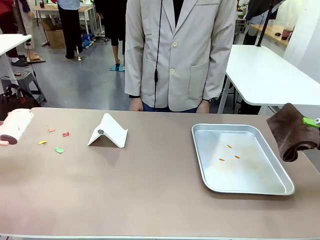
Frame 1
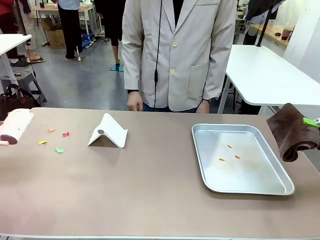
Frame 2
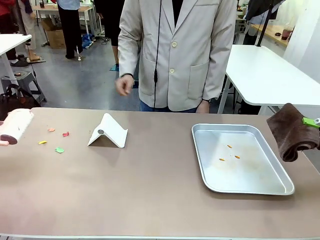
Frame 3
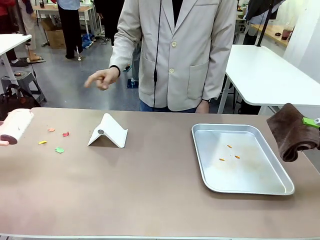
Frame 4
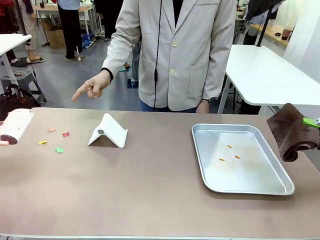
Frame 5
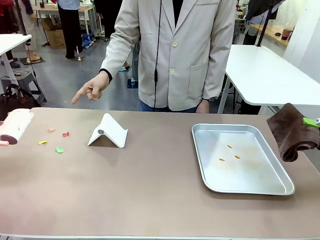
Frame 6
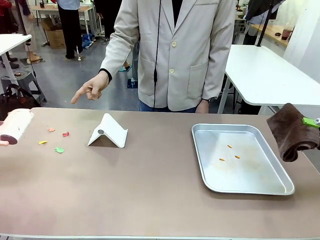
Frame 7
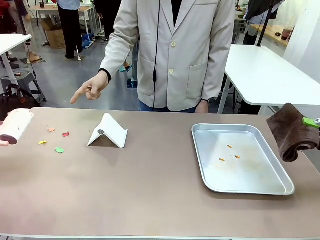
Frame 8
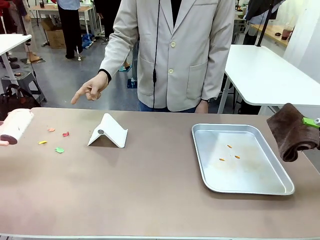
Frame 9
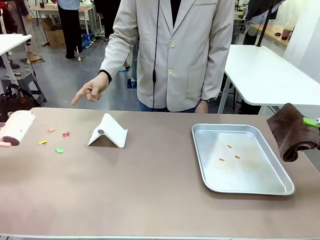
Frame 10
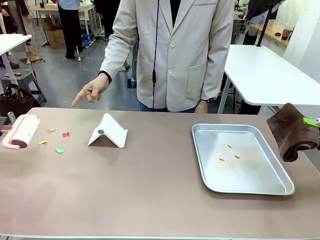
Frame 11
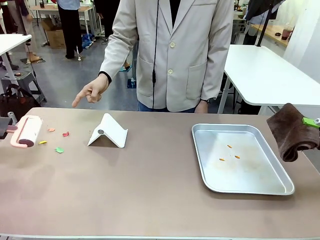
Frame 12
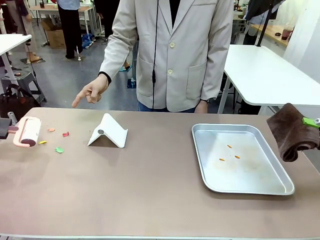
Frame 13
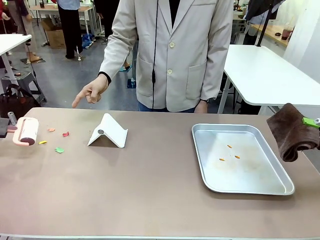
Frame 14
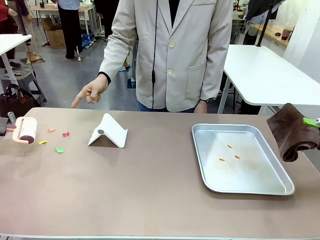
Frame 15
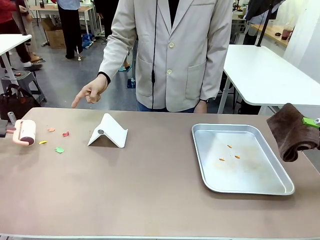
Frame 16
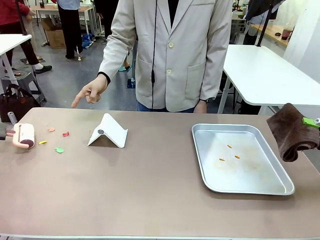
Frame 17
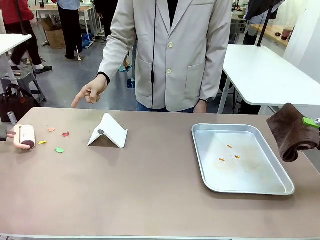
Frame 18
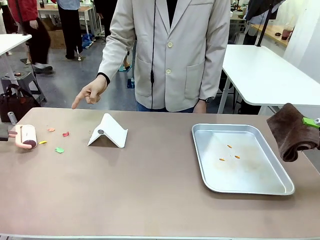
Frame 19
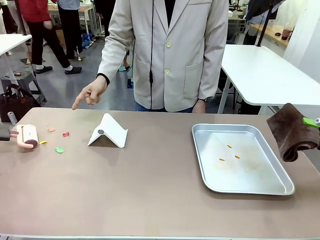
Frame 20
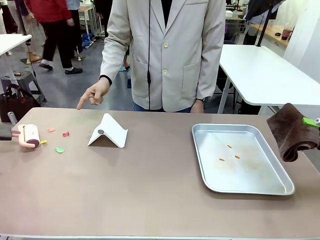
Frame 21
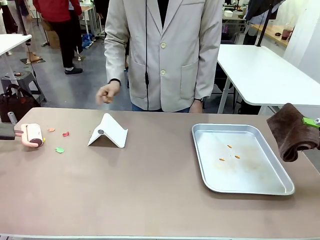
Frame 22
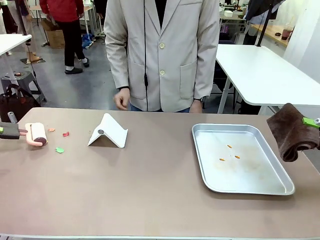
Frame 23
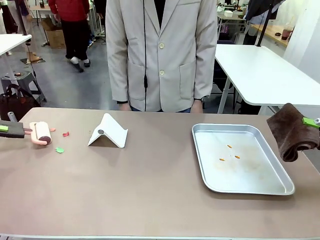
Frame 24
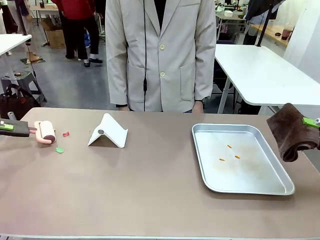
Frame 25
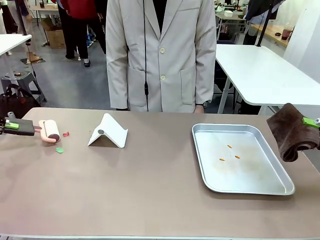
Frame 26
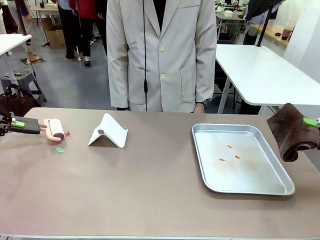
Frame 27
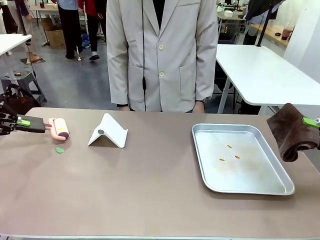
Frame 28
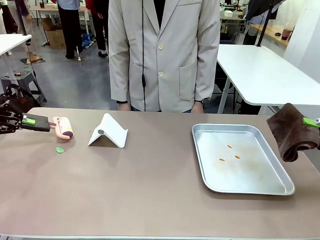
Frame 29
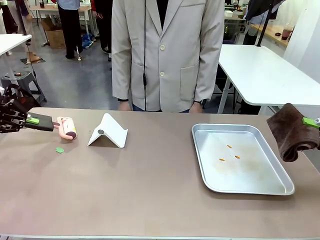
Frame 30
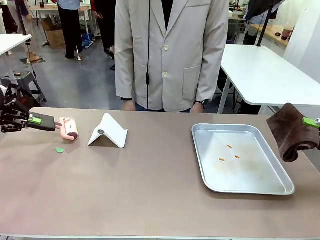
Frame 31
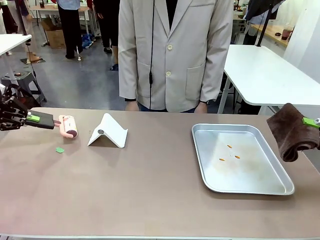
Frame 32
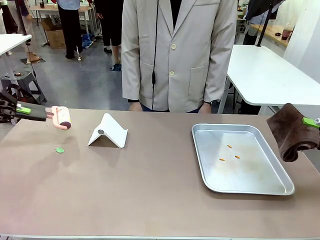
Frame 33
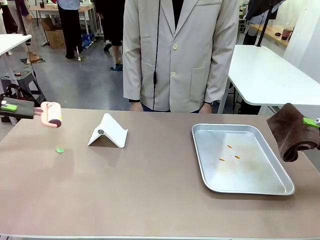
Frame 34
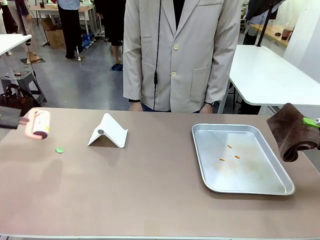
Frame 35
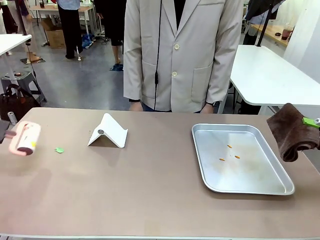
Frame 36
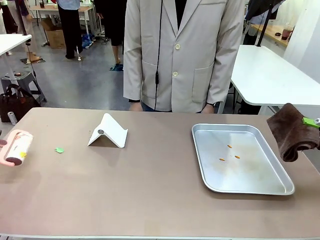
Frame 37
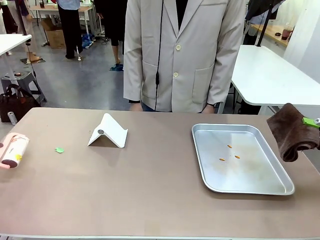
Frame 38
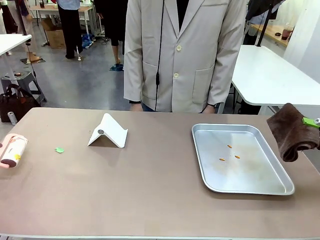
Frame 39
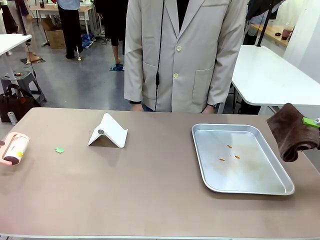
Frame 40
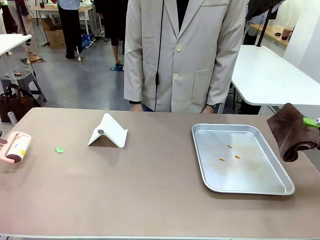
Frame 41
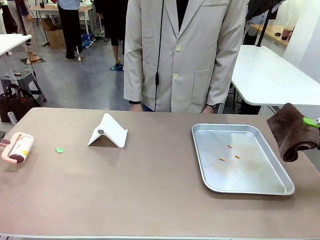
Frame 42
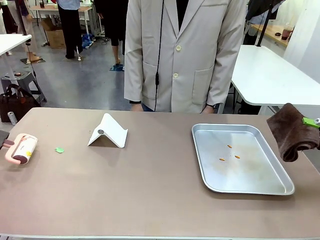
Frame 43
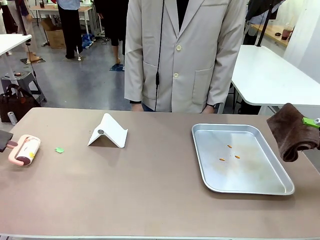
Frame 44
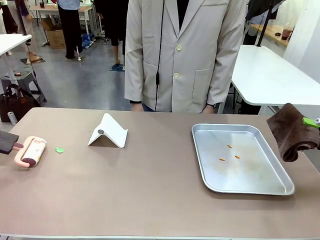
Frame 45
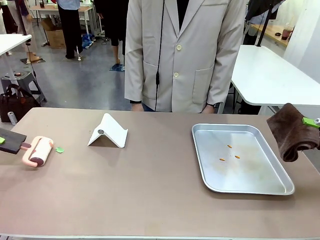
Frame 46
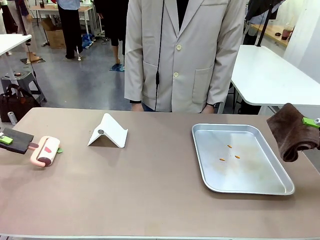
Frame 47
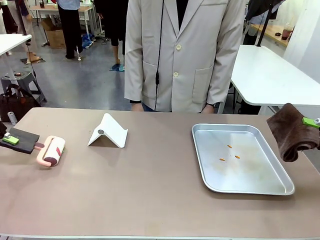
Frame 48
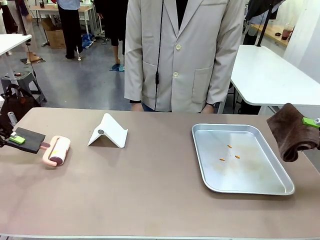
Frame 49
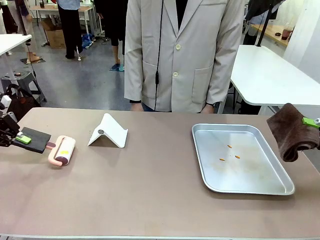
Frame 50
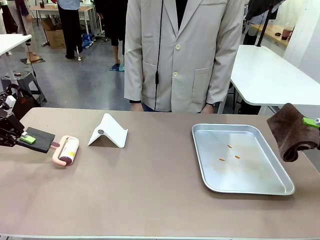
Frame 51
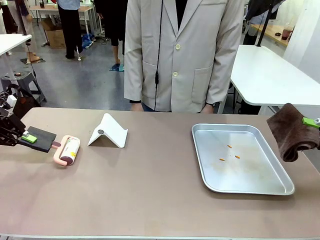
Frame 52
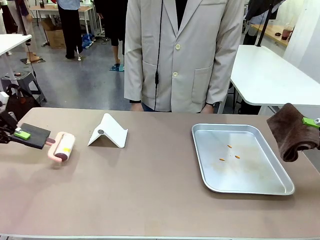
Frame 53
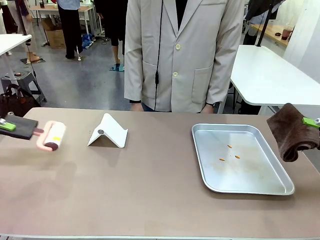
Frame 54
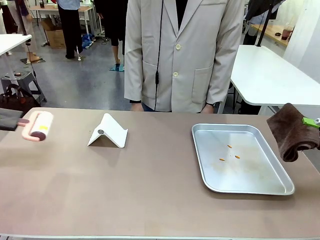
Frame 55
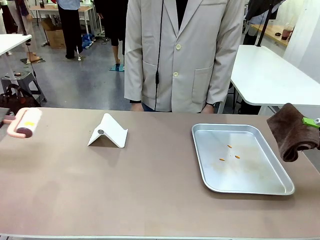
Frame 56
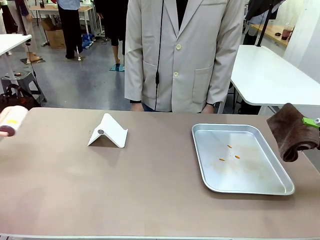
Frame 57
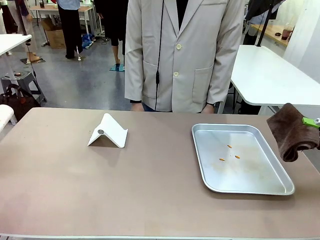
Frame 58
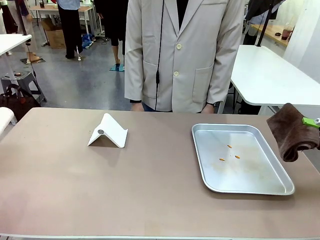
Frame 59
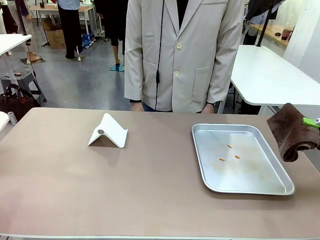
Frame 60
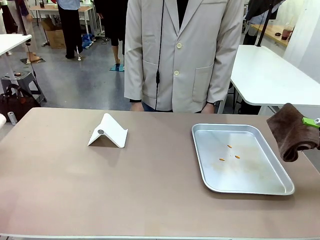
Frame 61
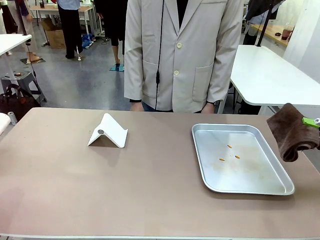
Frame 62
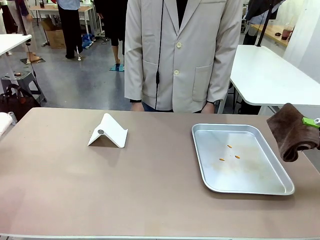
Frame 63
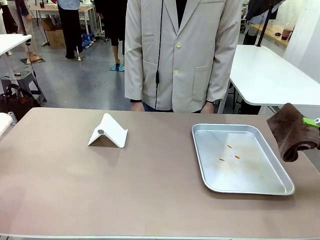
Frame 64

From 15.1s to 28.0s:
Task: Clean the surface of the table.
Robot: If a person points to the right, clean the right side of the table with your right hand, and if they point to the left, clean the left side with your left hand.

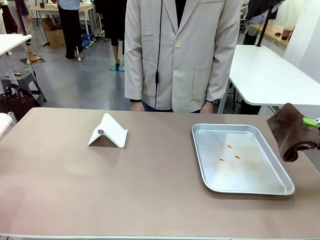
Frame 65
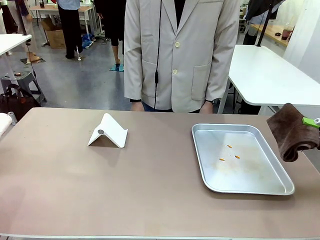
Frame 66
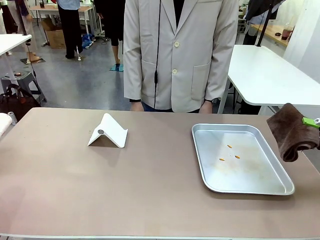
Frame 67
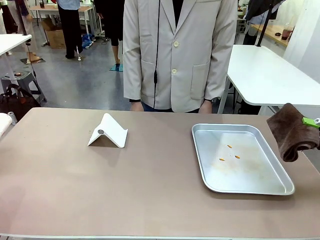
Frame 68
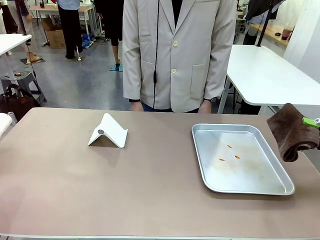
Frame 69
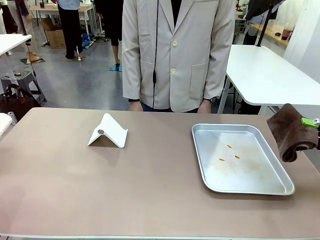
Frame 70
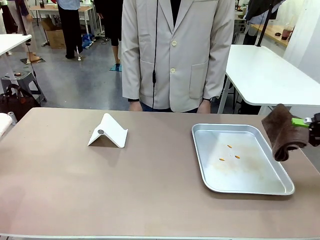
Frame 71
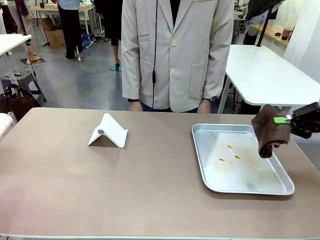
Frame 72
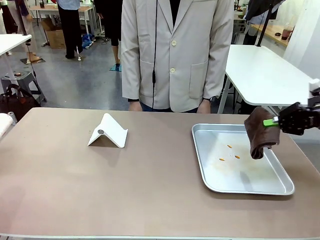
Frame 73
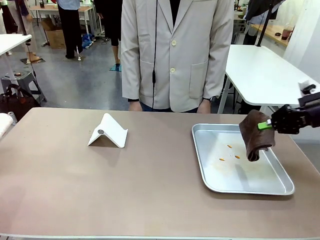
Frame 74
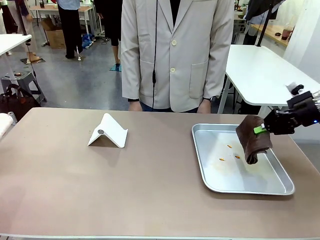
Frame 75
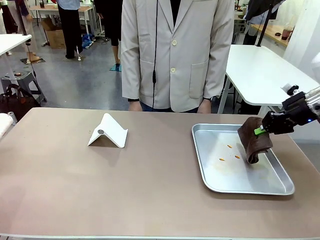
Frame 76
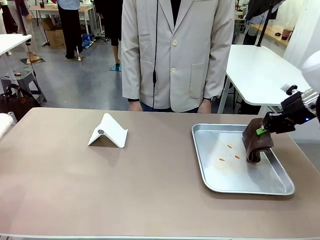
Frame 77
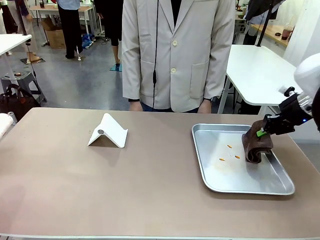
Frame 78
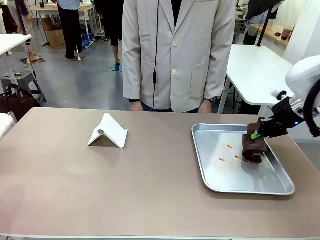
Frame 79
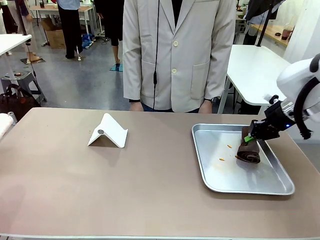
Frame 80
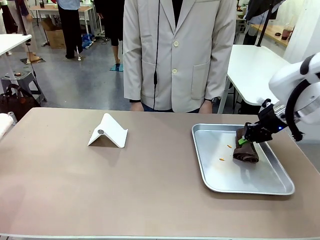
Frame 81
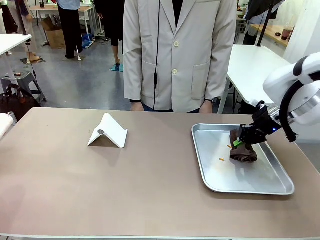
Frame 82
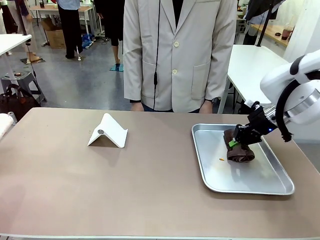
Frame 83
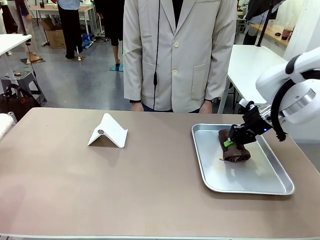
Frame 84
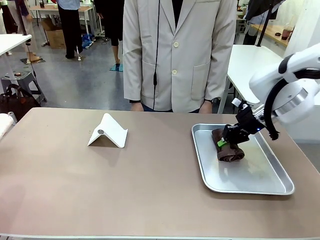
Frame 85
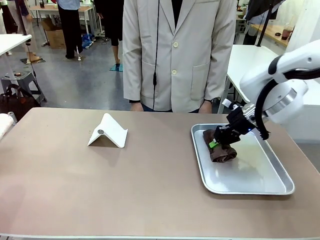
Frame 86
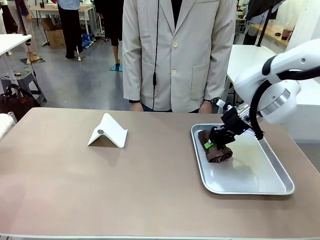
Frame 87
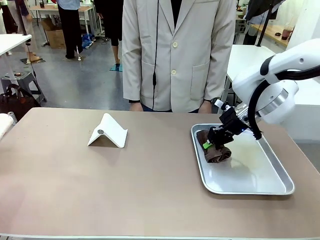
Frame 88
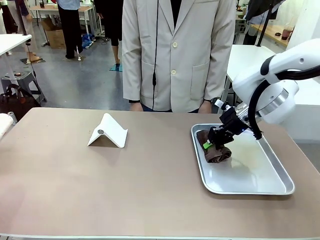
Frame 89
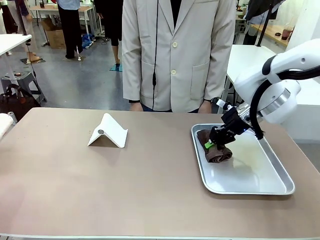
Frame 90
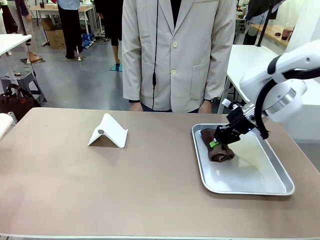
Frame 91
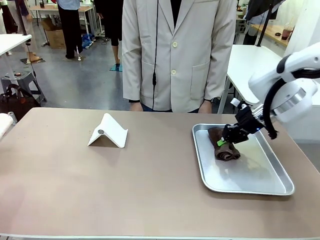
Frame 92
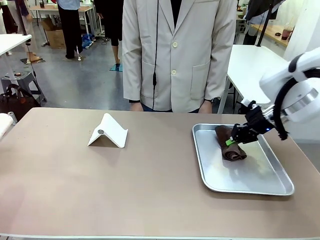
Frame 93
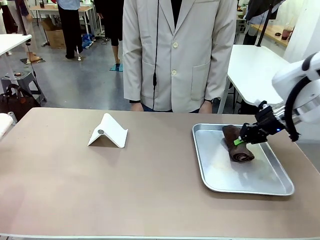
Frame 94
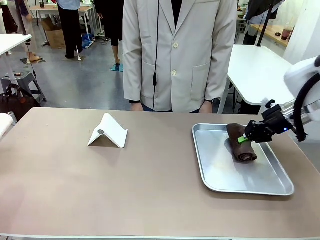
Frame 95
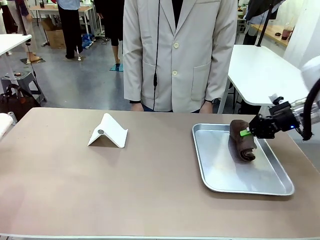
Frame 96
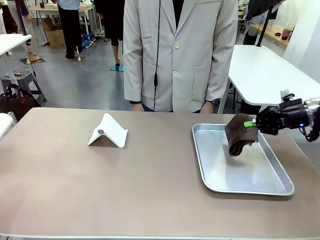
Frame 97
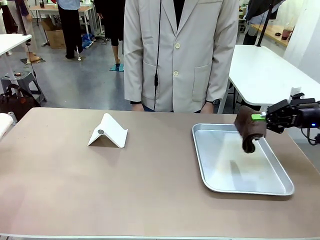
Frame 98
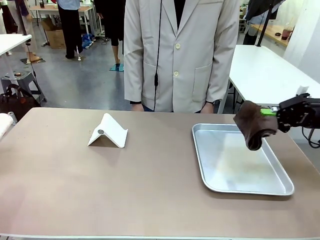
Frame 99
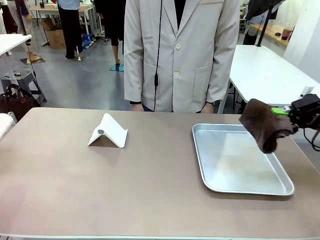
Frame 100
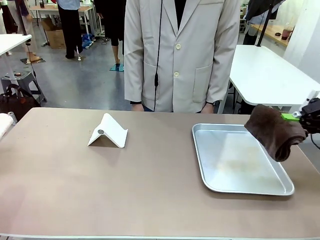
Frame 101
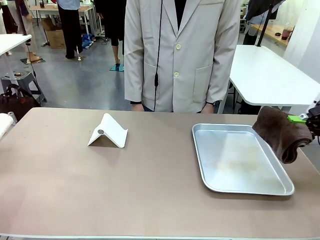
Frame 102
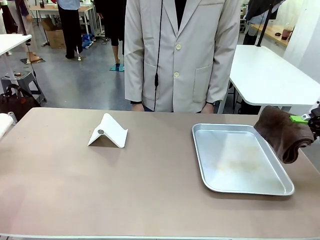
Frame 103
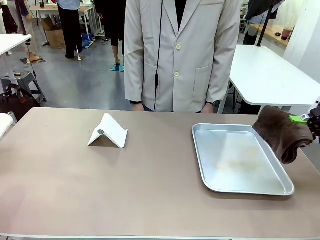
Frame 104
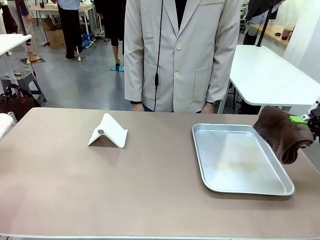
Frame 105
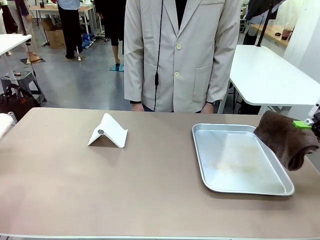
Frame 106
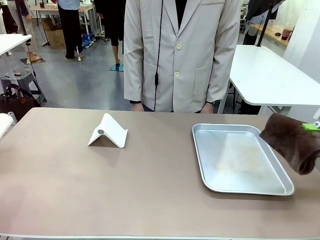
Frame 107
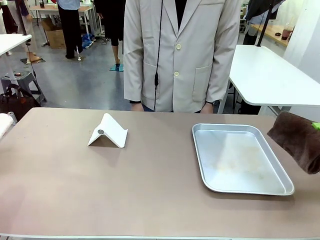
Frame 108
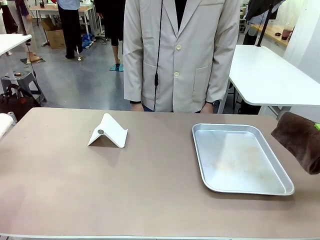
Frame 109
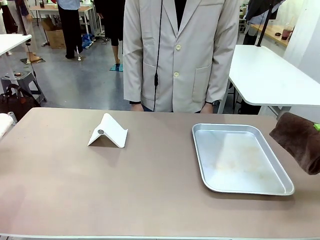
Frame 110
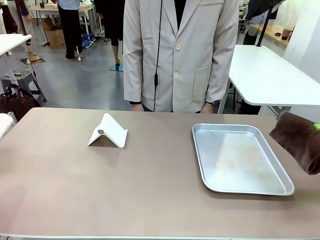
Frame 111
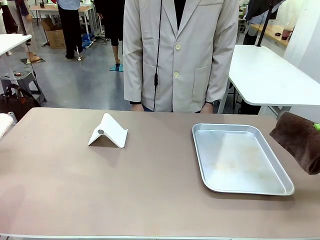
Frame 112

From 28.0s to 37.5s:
Robot: Clean the area not pointed to by the person.
